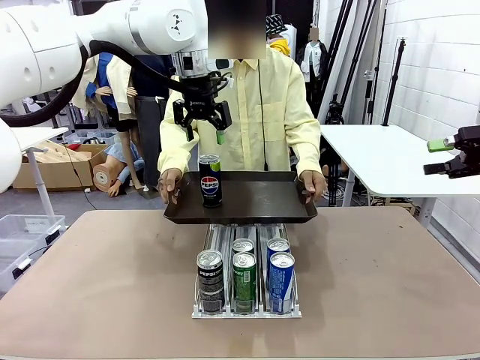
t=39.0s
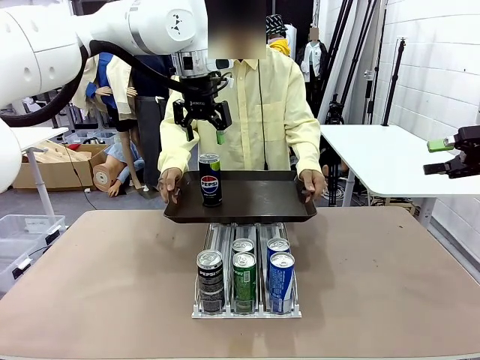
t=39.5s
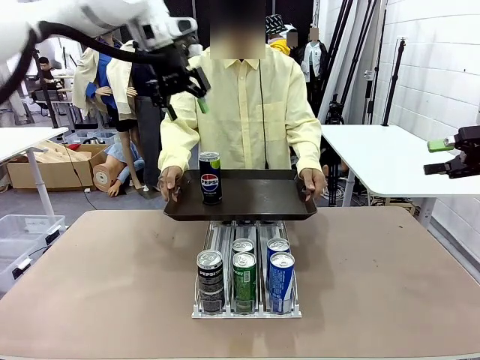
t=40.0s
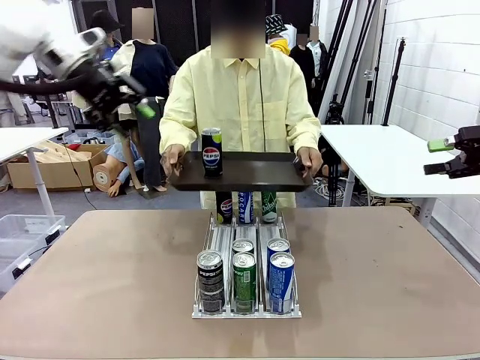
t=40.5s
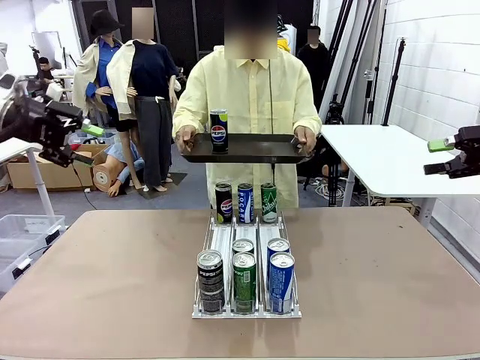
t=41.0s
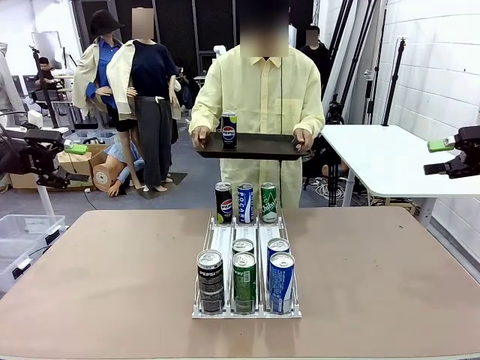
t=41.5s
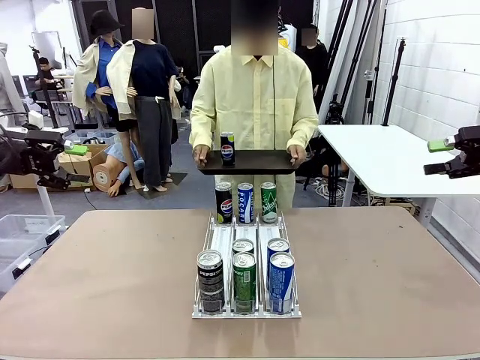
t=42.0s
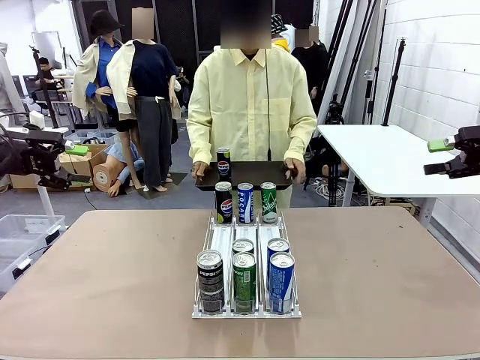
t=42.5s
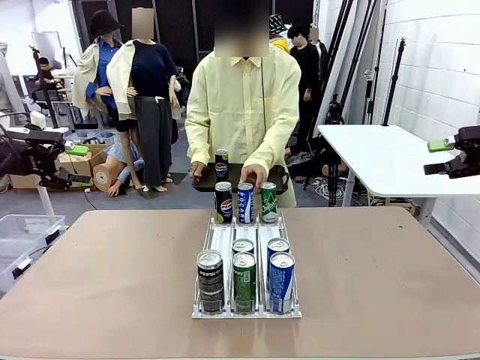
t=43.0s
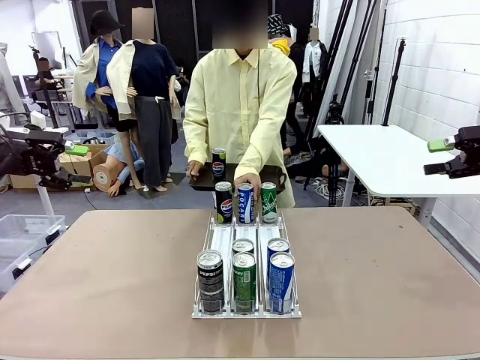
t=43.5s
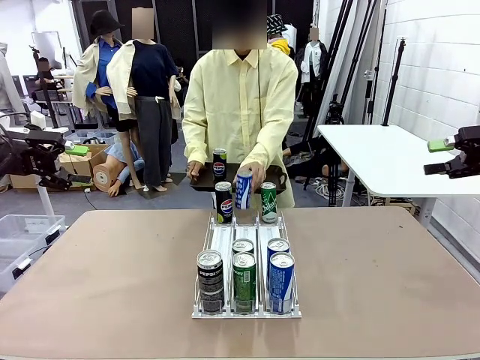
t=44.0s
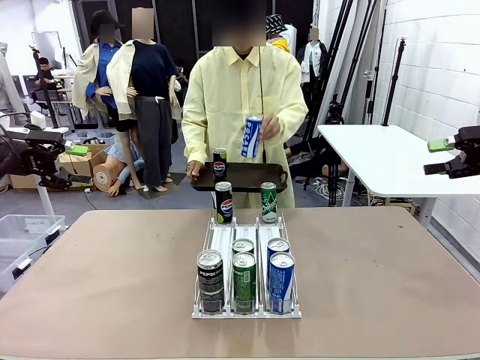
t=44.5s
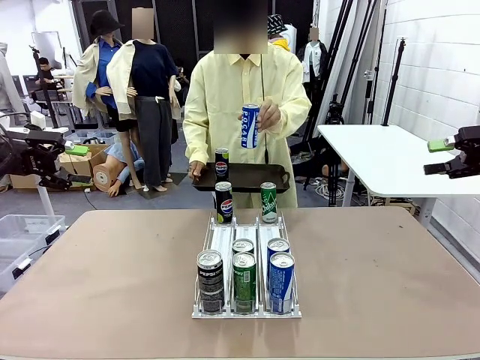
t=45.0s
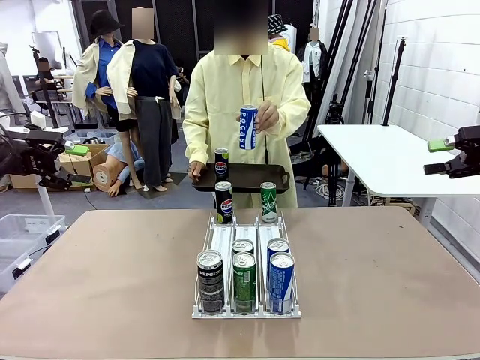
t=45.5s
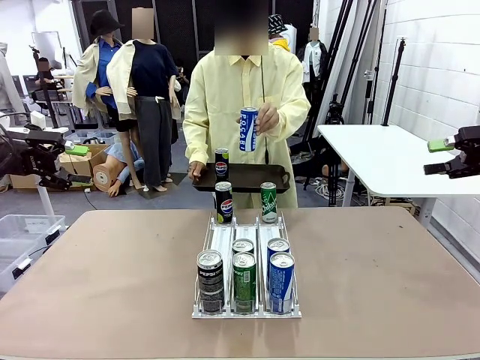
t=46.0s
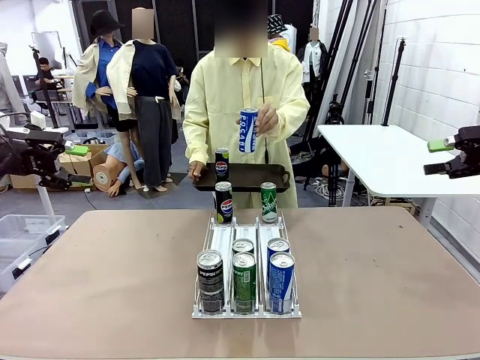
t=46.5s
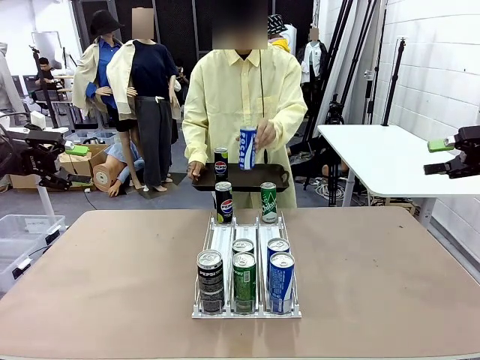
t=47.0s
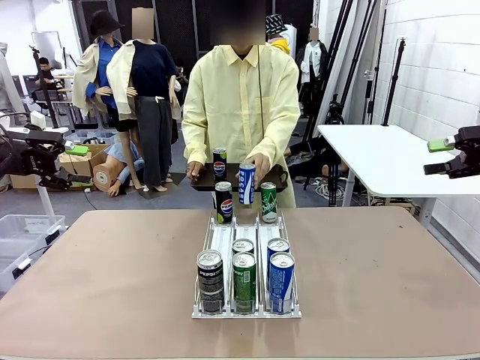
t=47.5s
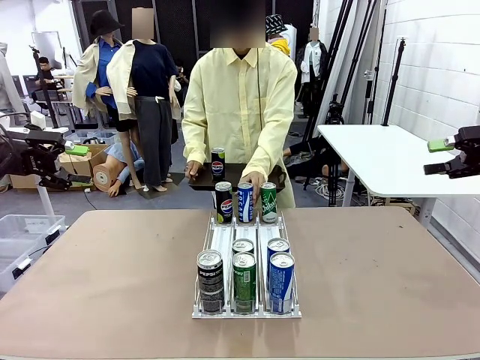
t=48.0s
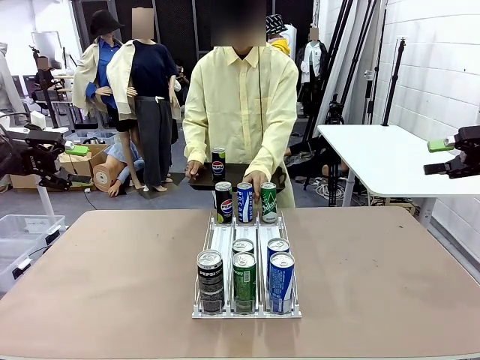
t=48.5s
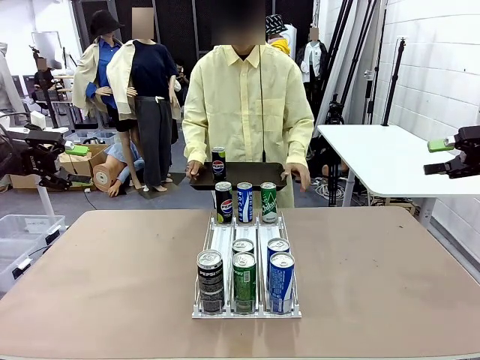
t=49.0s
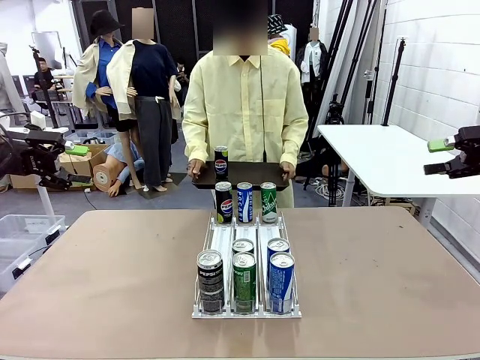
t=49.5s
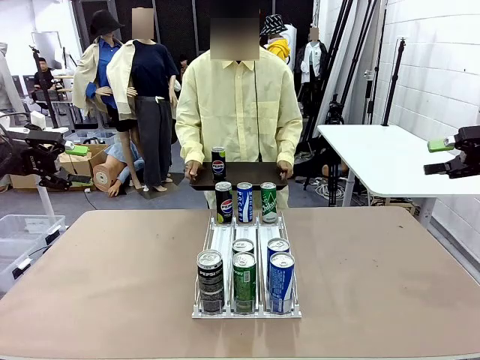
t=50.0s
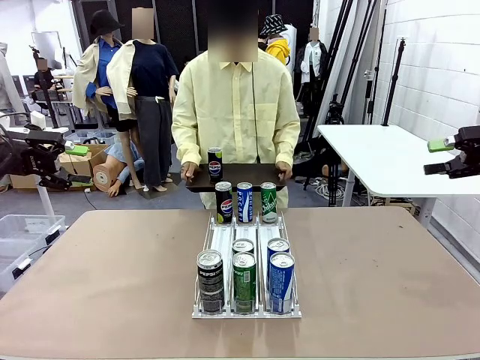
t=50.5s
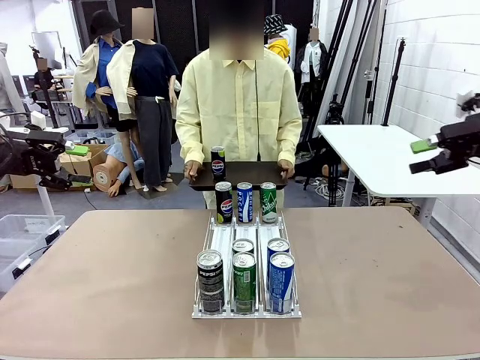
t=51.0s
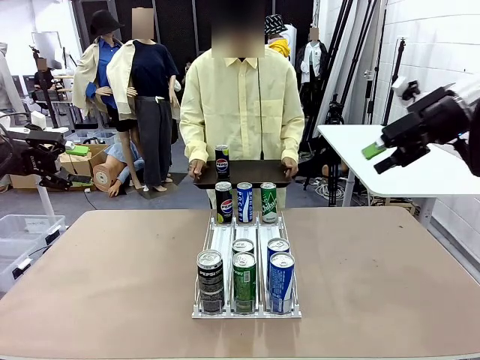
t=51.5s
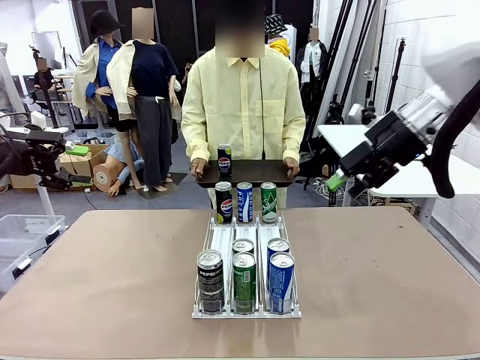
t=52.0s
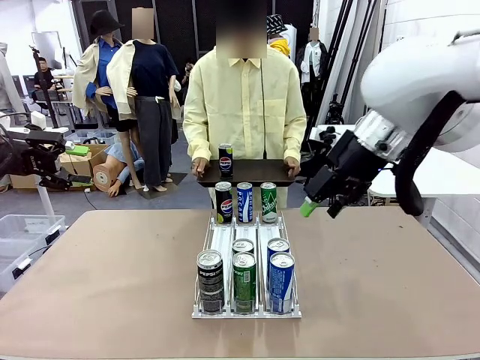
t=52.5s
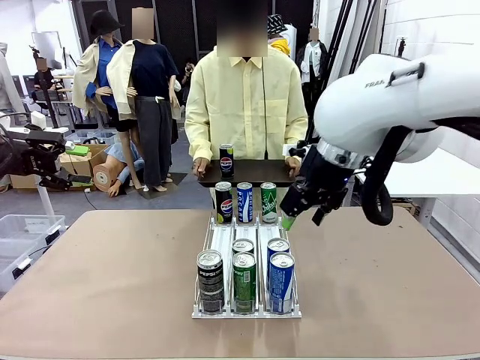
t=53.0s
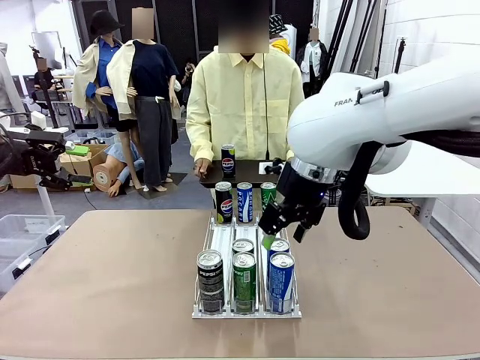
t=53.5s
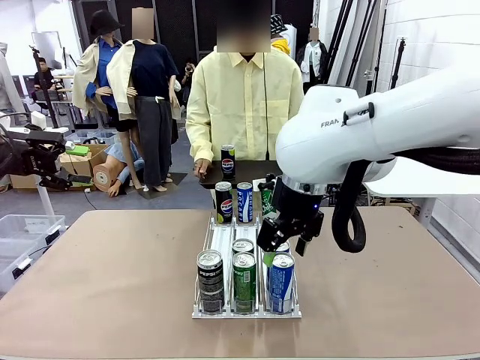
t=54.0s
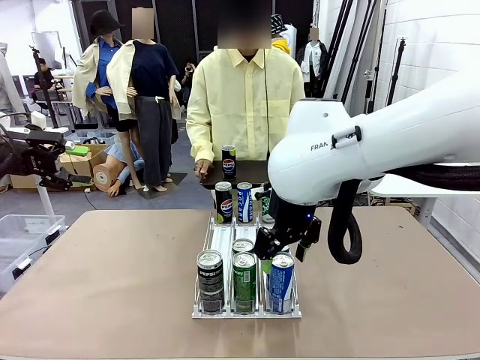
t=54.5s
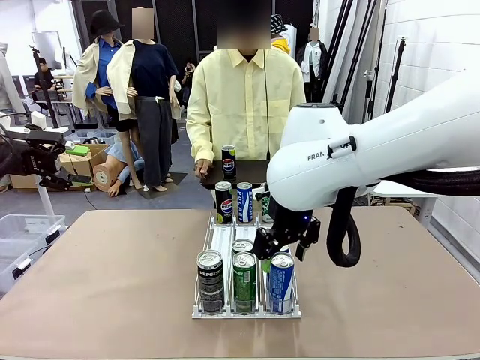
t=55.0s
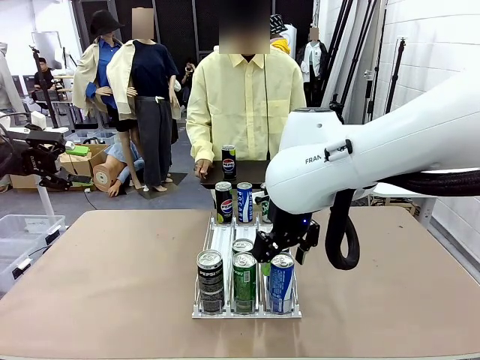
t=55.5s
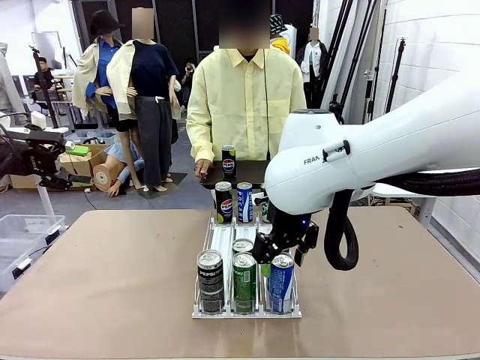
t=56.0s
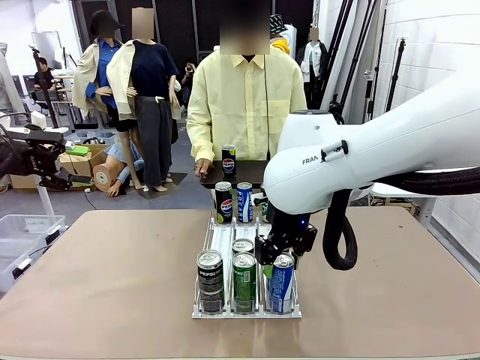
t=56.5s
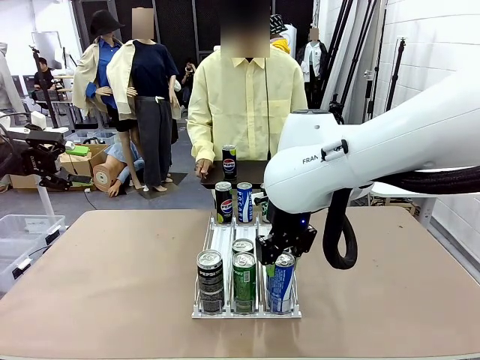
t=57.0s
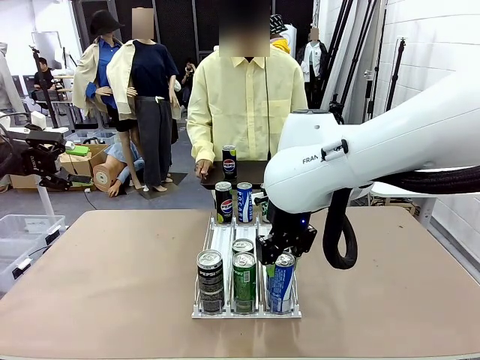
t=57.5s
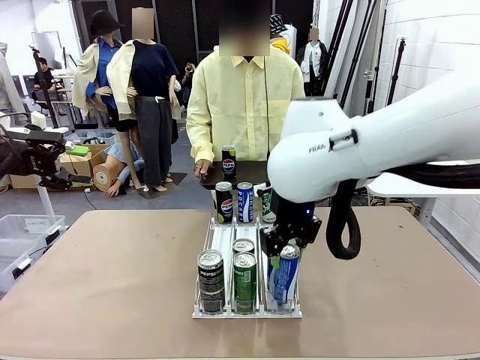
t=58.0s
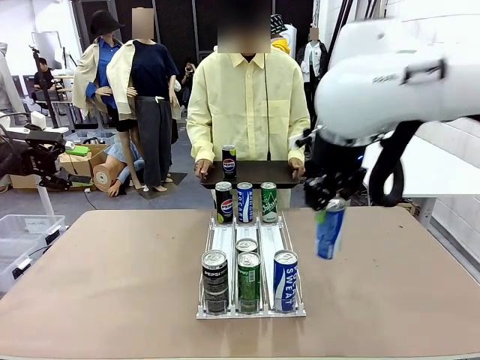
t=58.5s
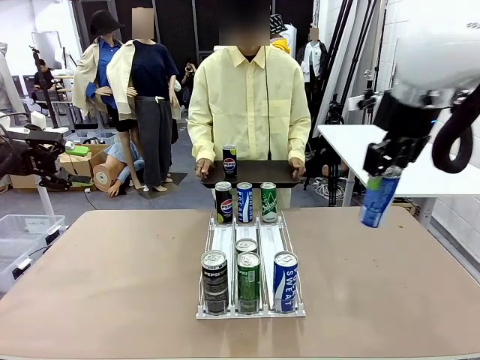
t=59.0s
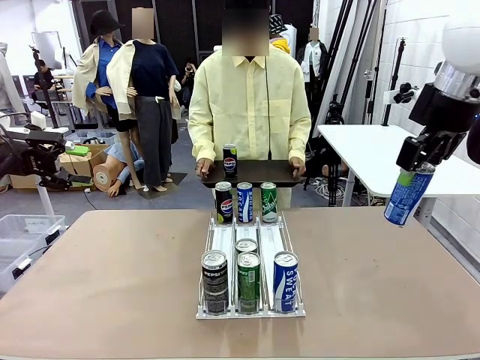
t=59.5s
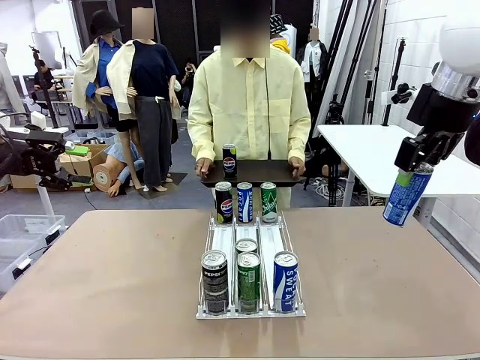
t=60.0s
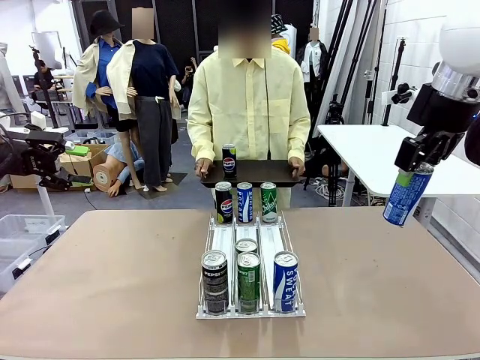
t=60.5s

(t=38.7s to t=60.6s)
Task: Retrieve and hand over the desired beverage to the person.
Robot: Pick up another can of the same type that the person held from the Automatic Can Dispenser.
Person: Pull the tray back, then pick up another can from the bottom area of the table and puts it back in its original place. Push the tray toward the robot again.

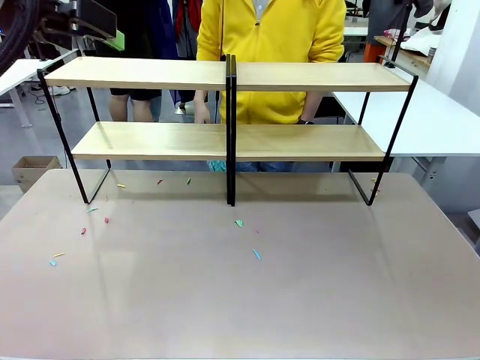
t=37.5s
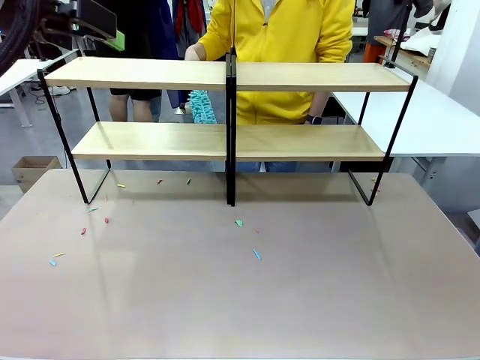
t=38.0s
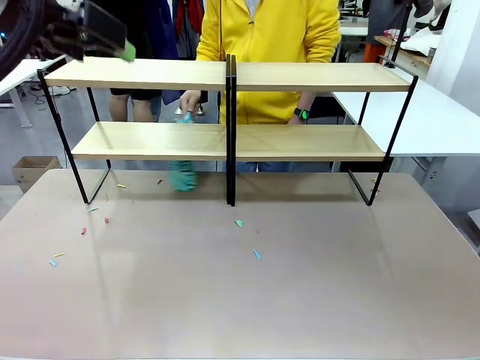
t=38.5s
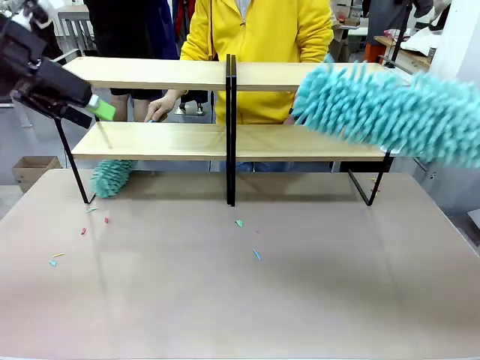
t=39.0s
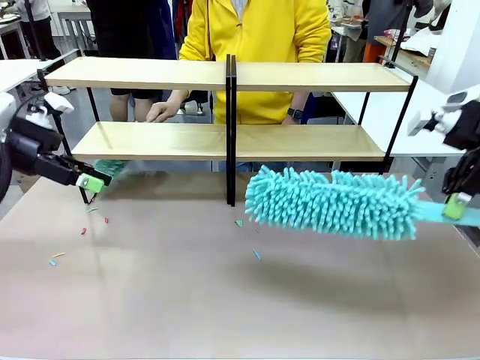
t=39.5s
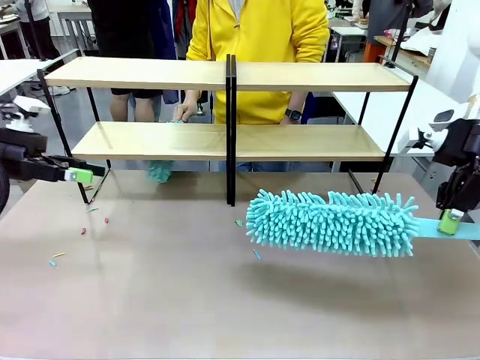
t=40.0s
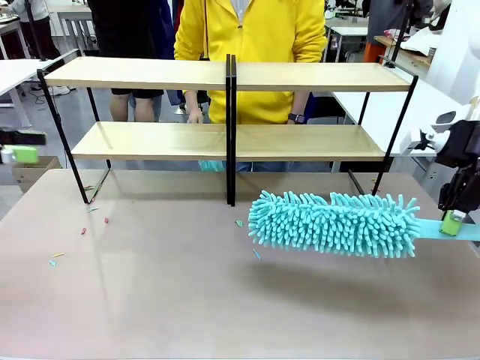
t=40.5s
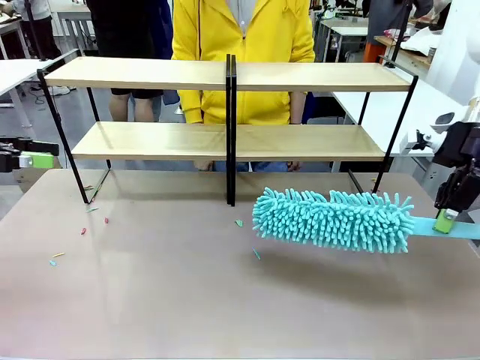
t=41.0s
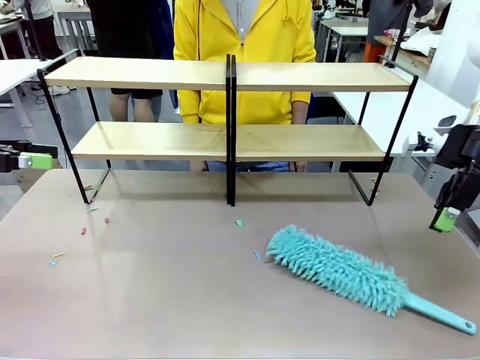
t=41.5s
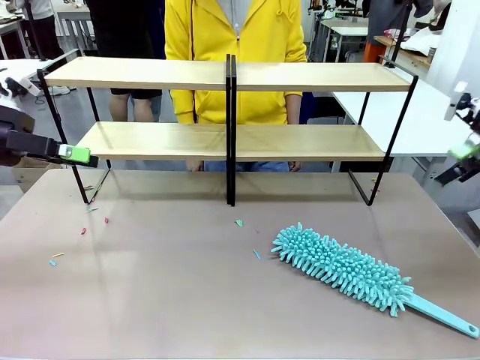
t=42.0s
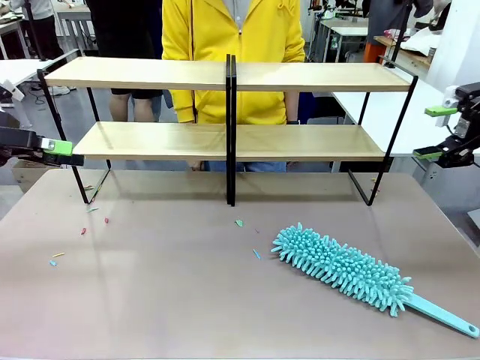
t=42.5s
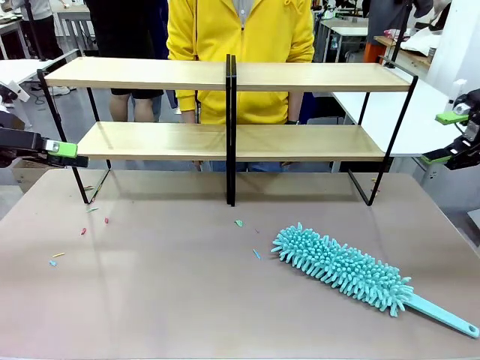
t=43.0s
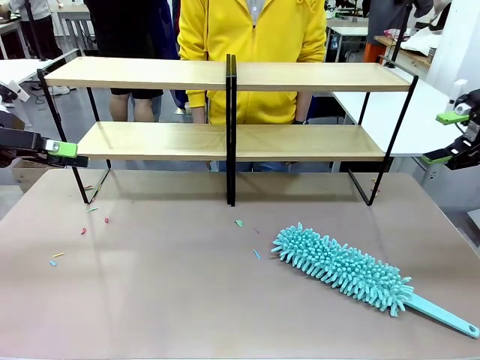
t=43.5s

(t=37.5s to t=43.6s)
Task: Clean the shelves.
Robot: Place the Duster on the table.
